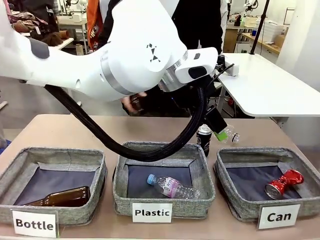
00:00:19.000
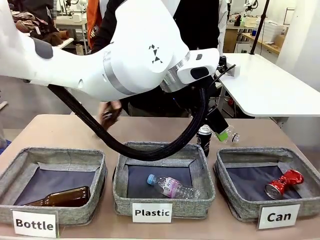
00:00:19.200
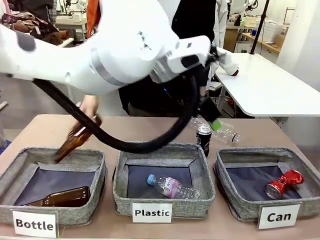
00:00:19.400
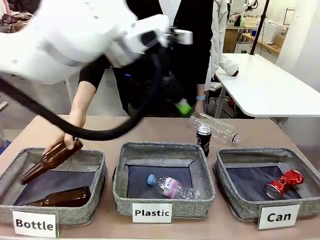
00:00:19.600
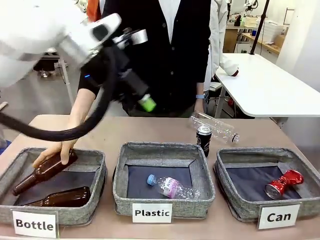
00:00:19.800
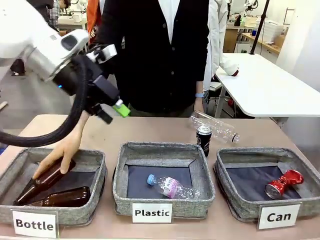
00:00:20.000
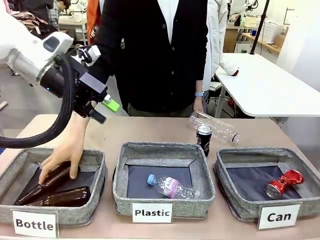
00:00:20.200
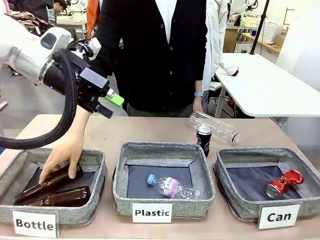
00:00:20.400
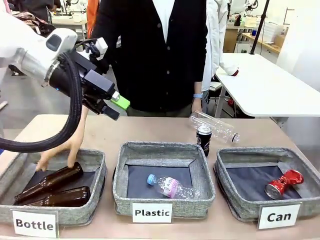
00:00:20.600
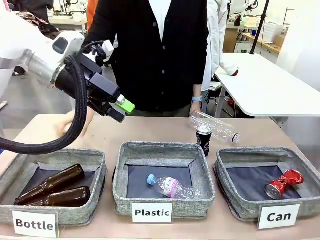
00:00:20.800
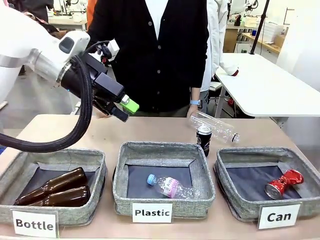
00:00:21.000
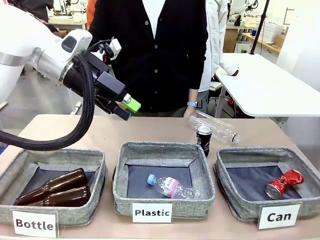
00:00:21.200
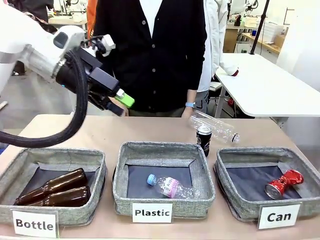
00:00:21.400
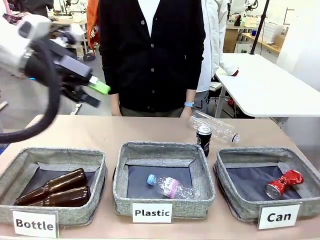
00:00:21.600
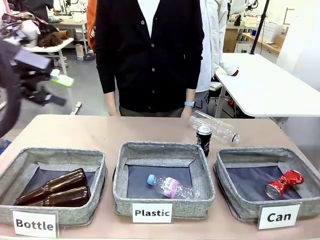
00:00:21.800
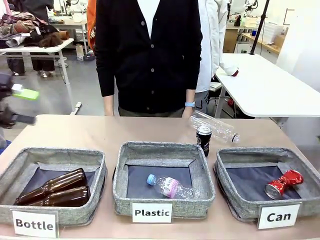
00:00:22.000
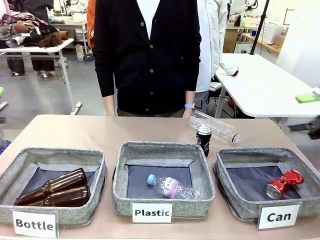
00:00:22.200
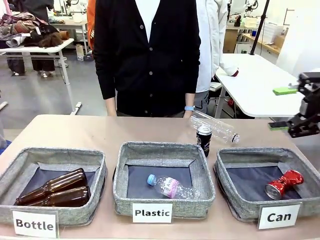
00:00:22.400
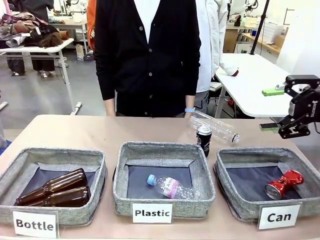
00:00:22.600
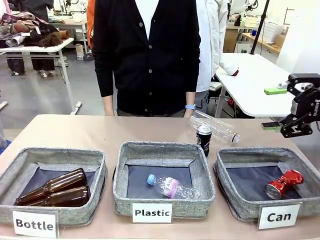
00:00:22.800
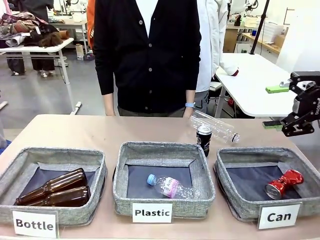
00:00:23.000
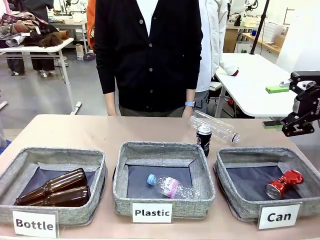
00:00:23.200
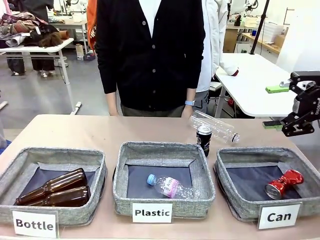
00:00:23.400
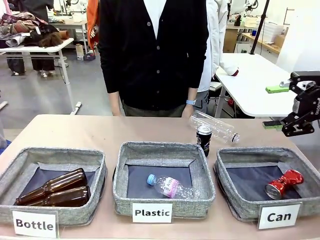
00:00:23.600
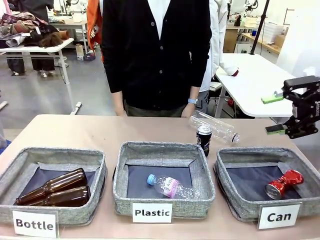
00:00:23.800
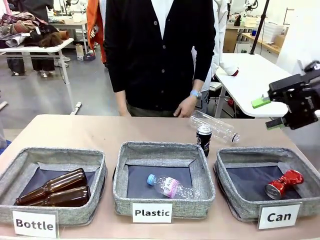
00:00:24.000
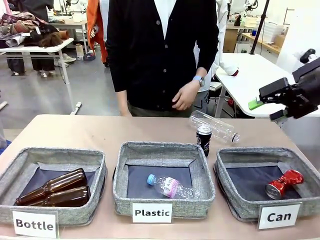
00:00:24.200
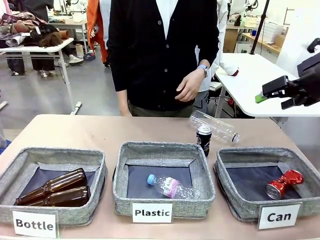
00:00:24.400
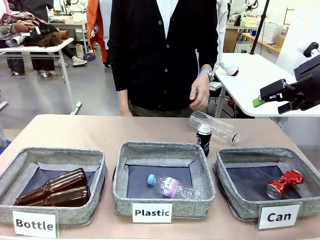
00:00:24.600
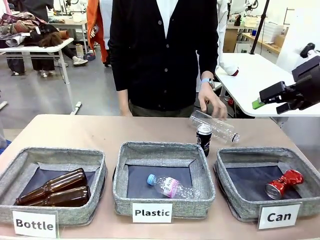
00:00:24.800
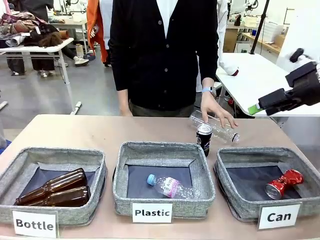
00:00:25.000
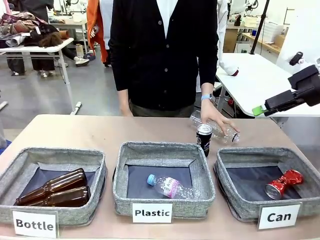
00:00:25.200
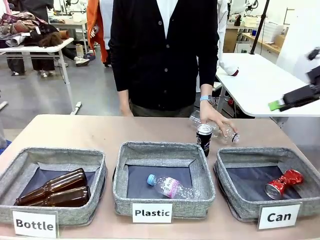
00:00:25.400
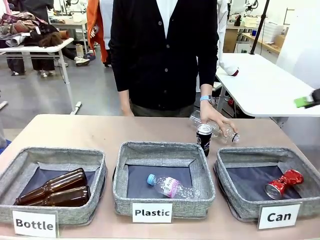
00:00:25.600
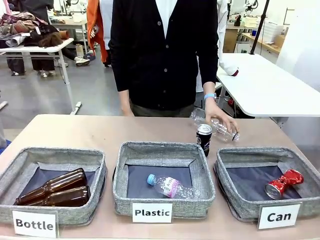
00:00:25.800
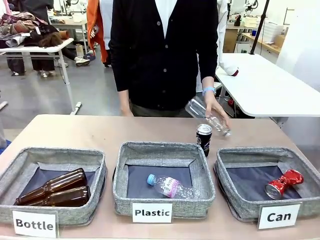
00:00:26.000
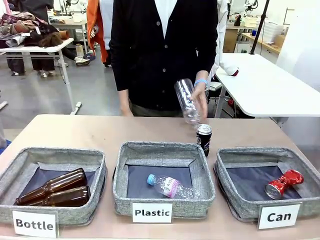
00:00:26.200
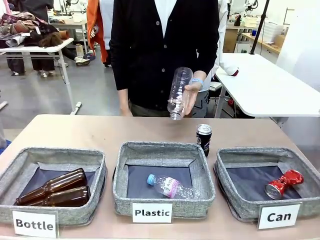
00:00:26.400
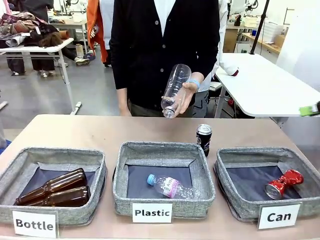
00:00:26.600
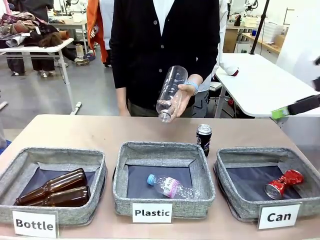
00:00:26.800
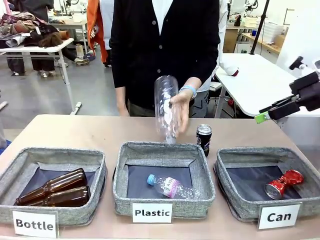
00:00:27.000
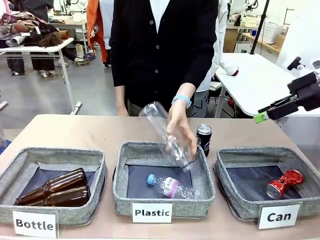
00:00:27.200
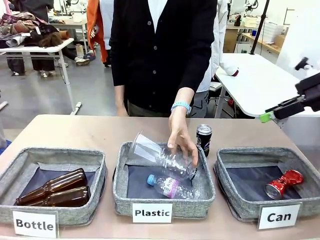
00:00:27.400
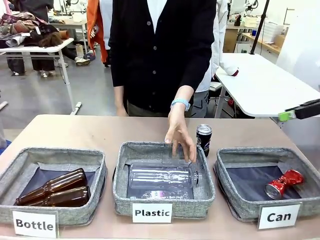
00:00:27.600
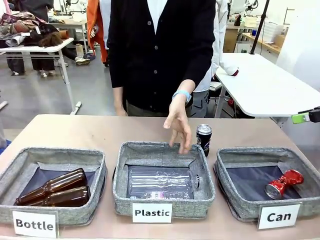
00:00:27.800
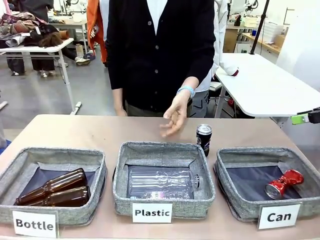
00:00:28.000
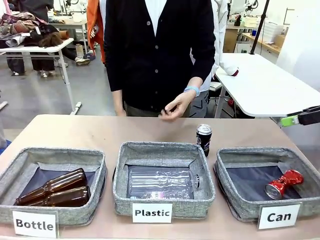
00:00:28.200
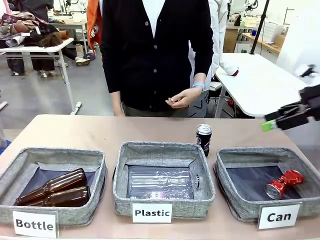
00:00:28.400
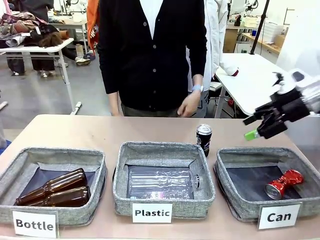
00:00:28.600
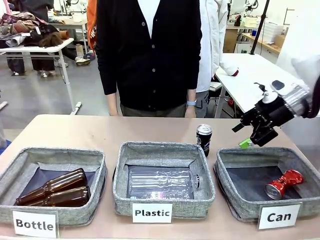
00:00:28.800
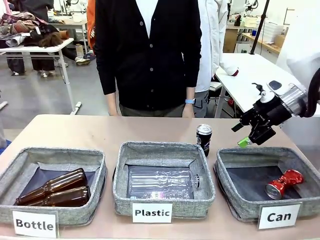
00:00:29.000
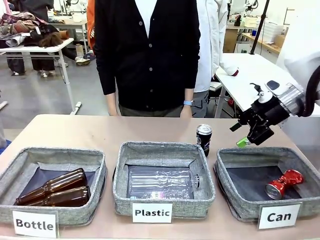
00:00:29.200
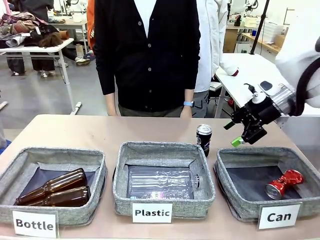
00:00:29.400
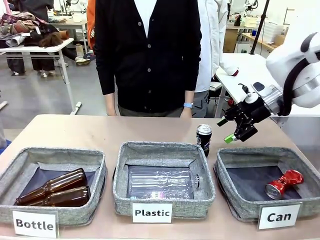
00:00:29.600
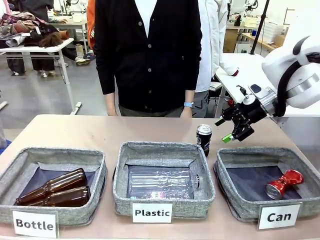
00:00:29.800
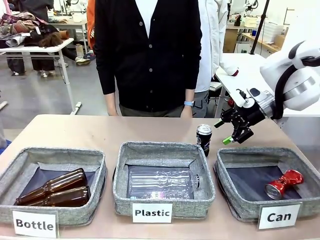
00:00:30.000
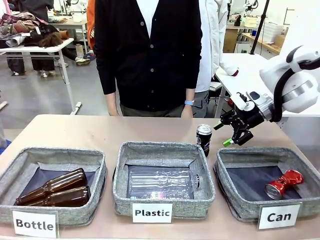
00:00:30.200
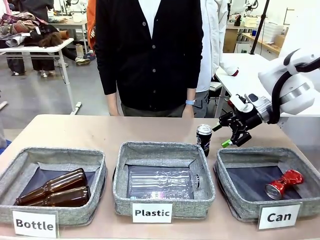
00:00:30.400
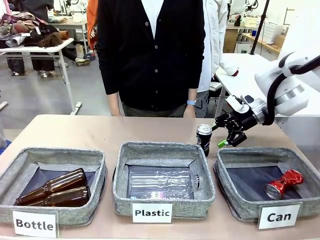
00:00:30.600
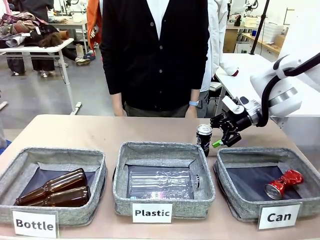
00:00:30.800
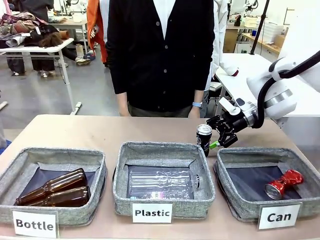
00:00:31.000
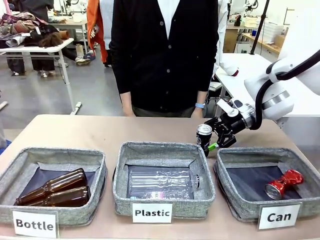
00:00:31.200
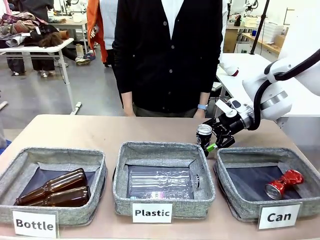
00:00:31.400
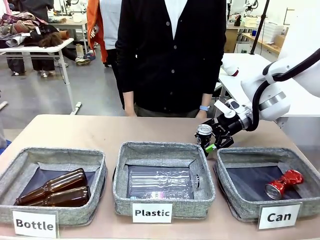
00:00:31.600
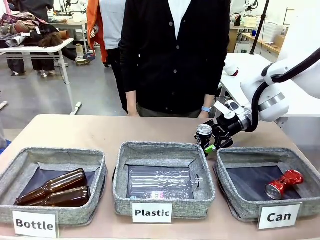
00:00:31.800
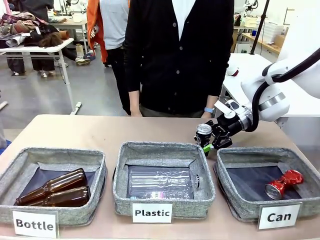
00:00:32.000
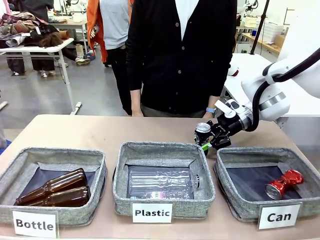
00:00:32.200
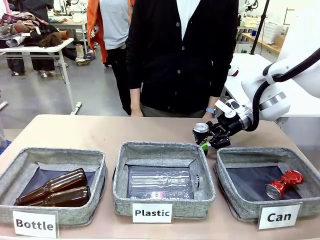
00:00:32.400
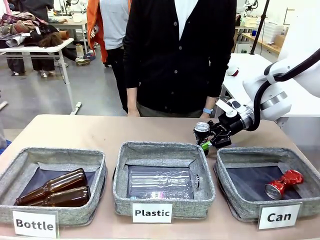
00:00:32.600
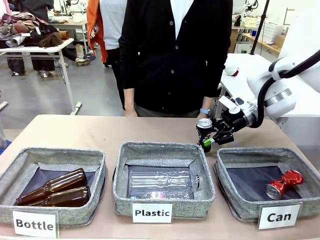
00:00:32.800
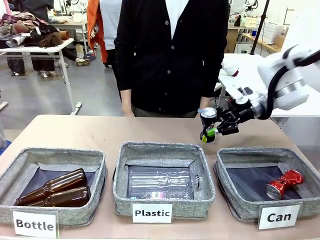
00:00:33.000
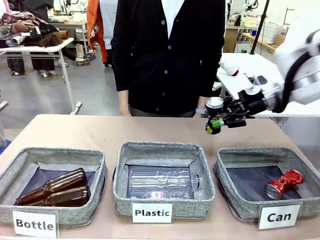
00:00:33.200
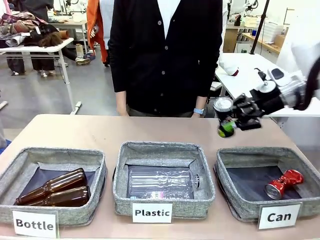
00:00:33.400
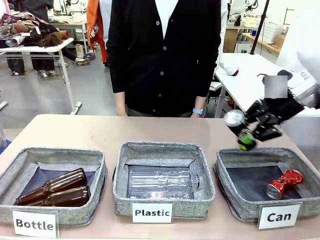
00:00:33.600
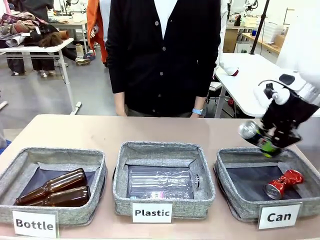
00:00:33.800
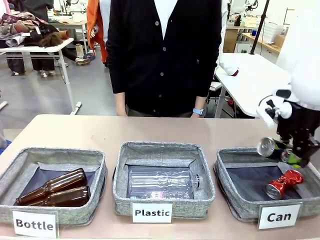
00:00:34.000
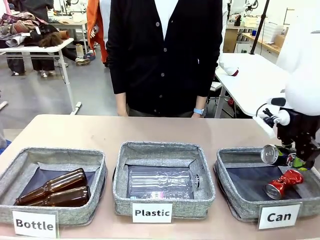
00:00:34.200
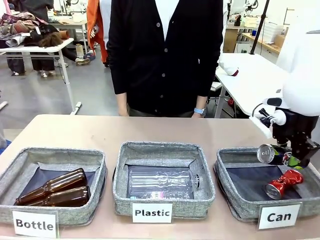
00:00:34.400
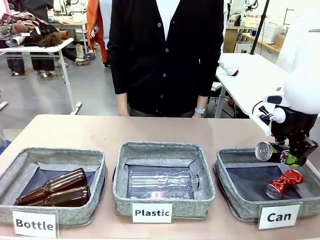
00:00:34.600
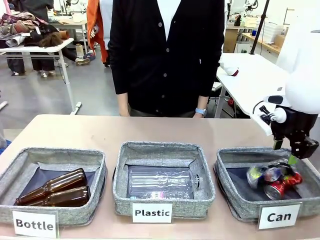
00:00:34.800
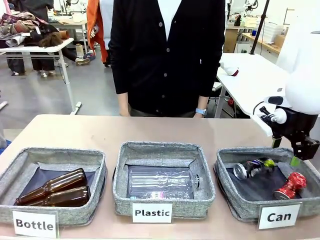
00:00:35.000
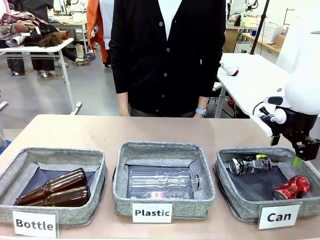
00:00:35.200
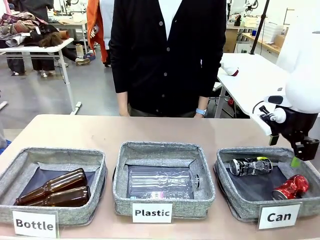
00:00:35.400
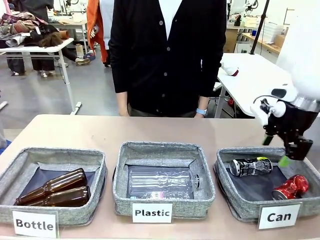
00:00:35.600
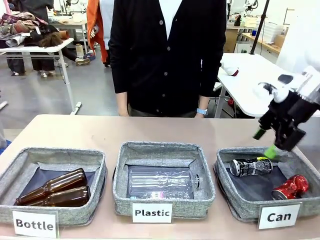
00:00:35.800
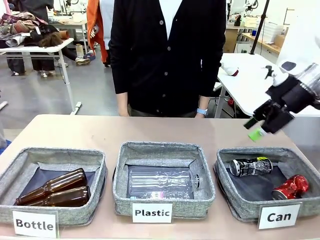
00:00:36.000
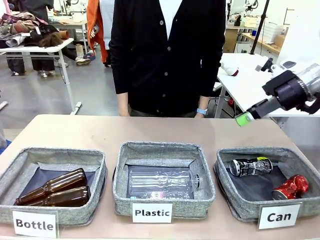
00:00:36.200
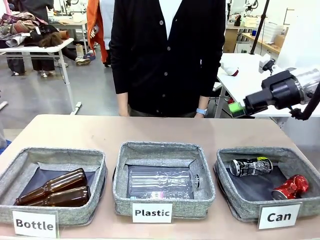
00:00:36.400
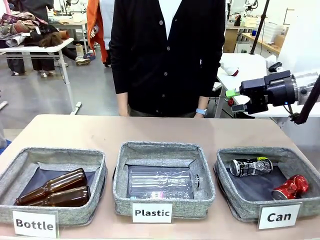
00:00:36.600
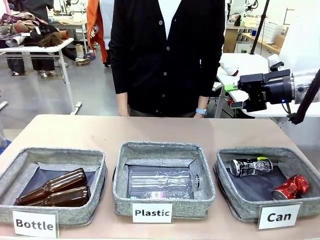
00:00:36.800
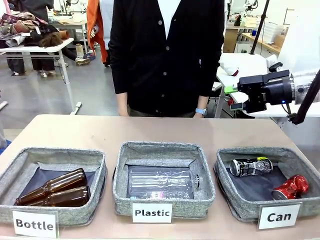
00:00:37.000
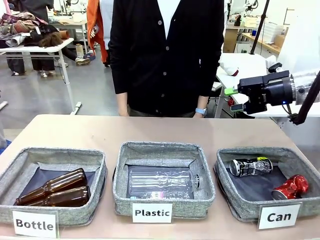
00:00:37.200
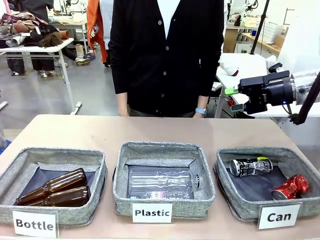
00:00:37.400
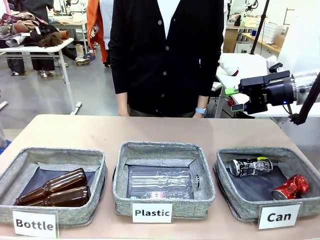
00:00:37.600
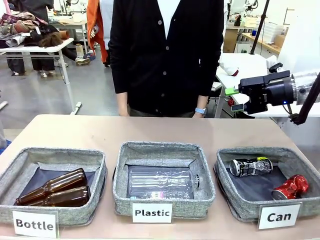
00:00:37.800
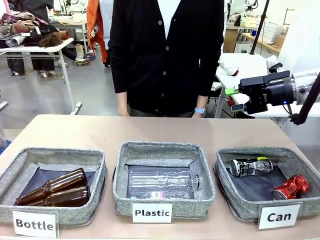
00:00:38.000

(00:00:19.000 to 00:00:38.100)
Task: Sort the can waste into the basket.
Robot: Pick up the can waste from the table and place it in the right Fabric basket.
Person: The human picks up one piece of trash that is not a can and places the trash into the appropriate organizing basket.
